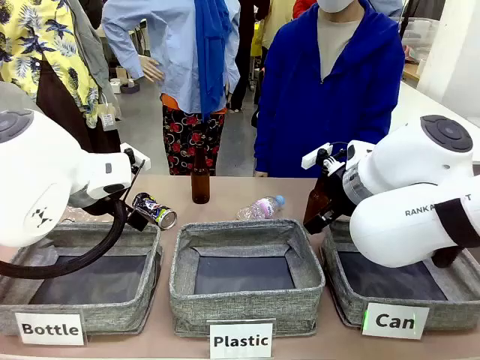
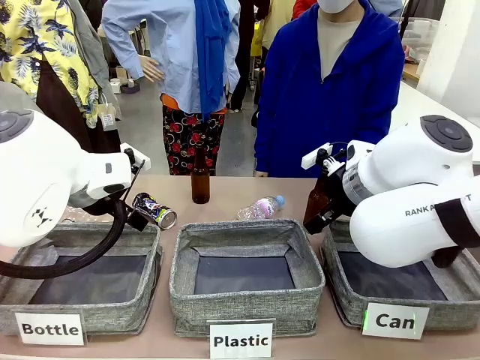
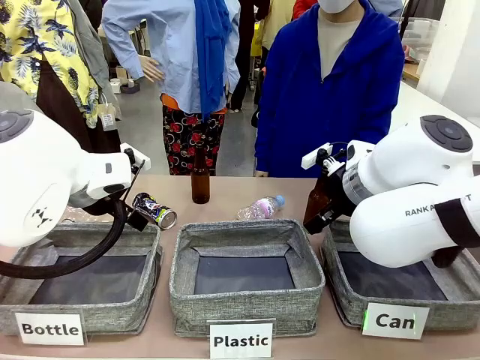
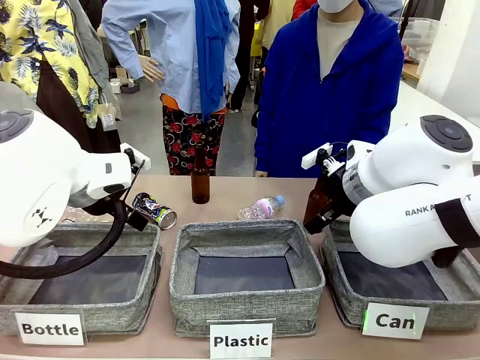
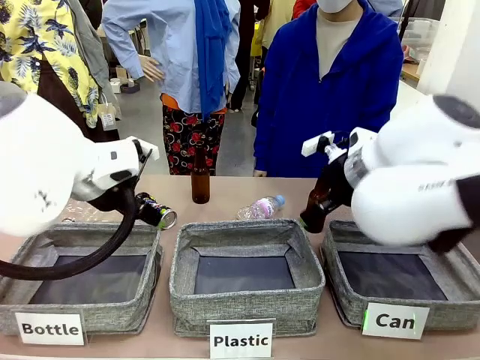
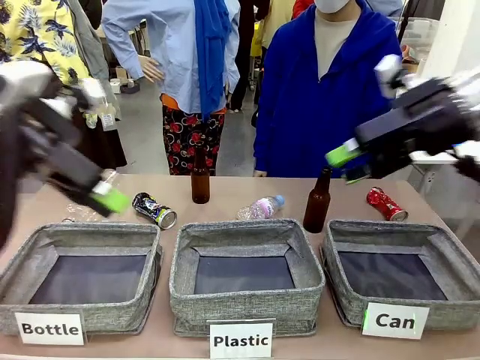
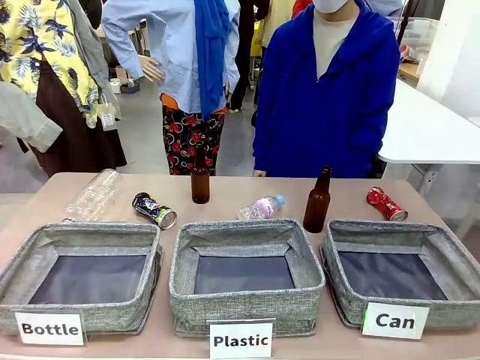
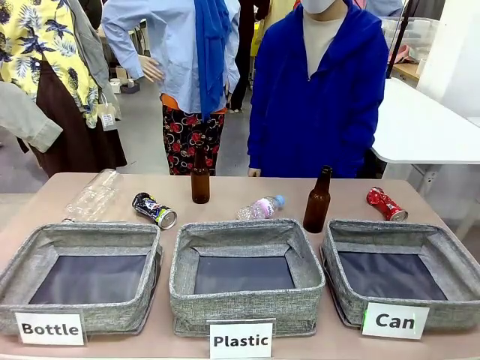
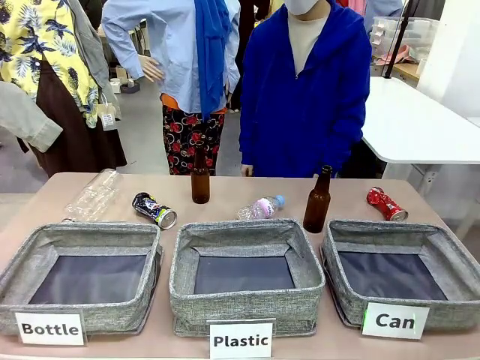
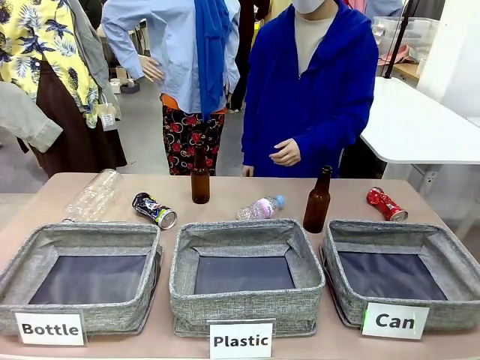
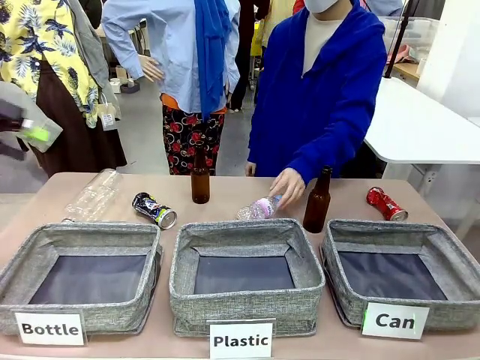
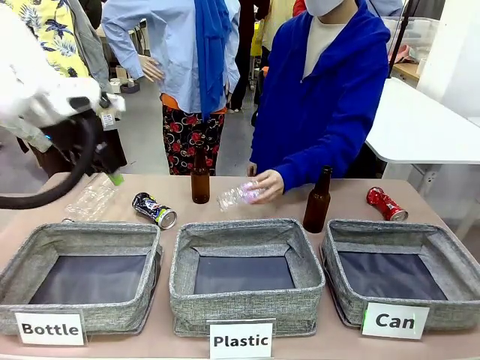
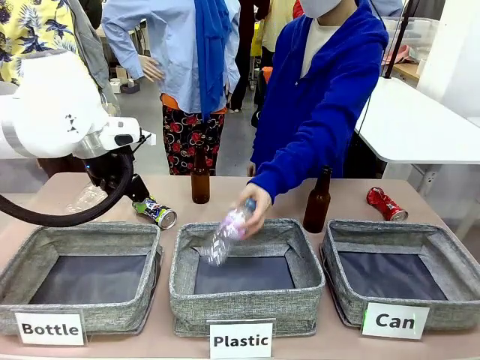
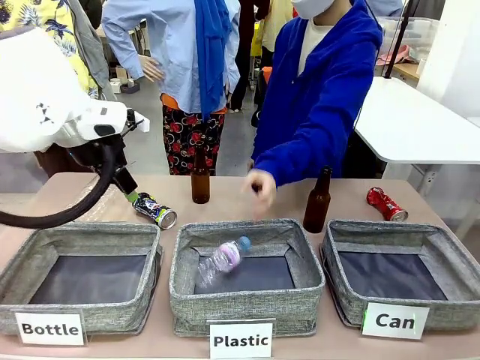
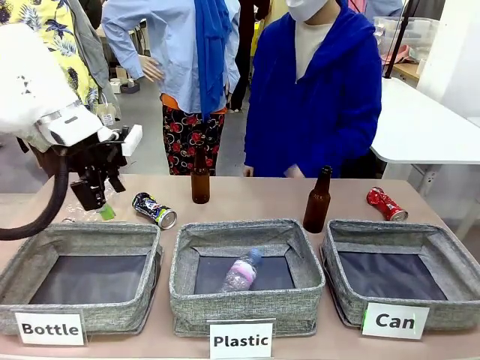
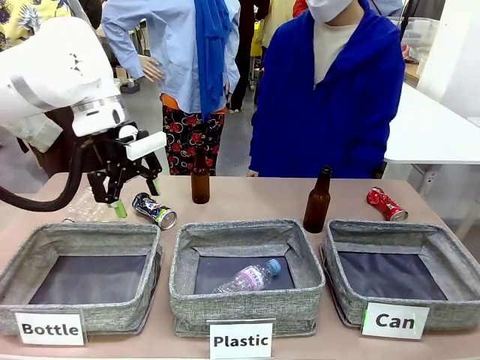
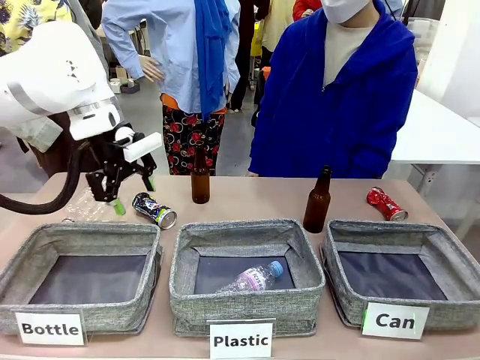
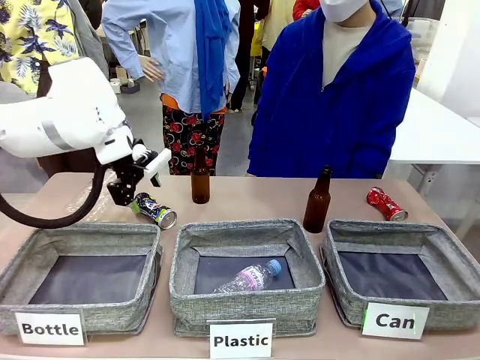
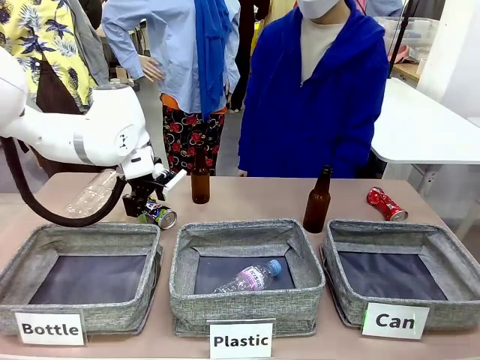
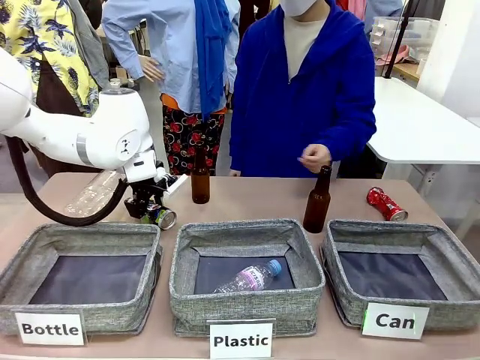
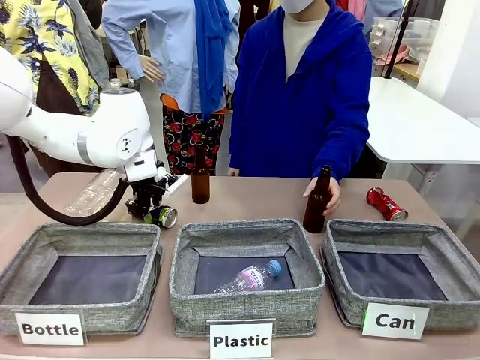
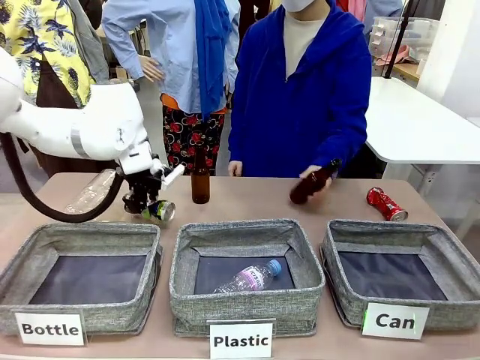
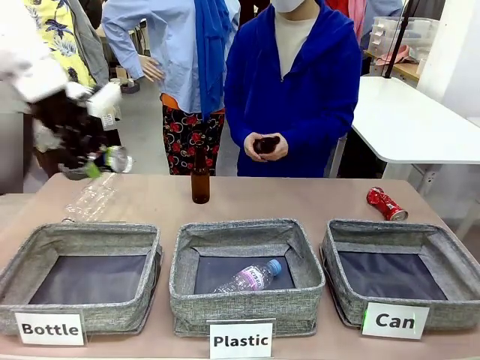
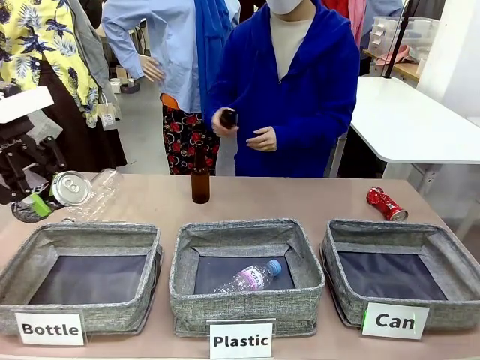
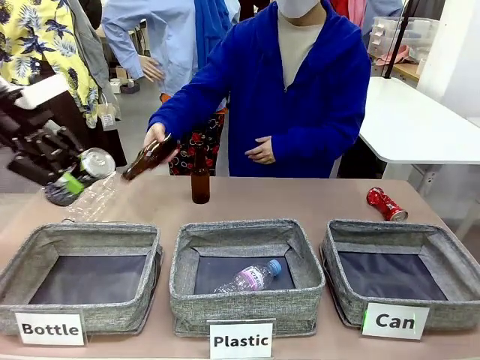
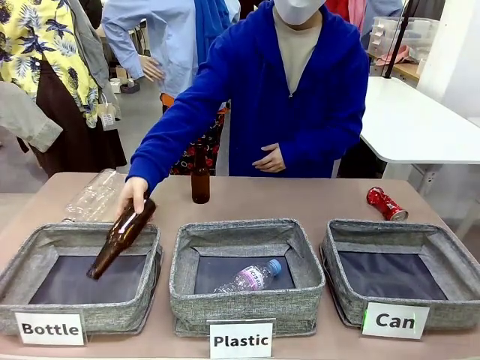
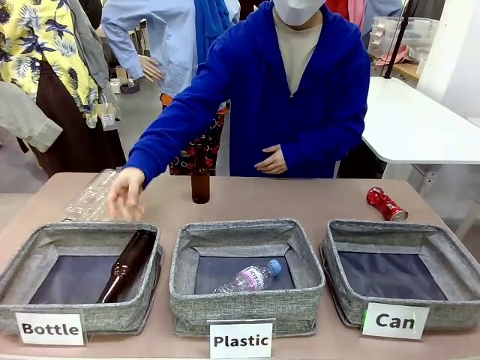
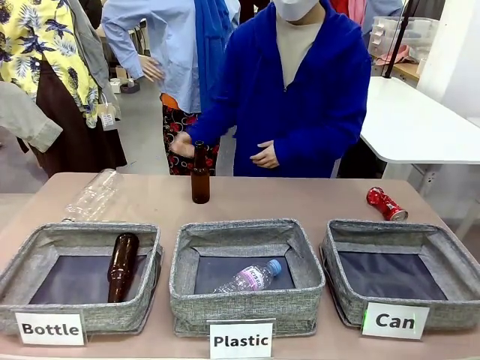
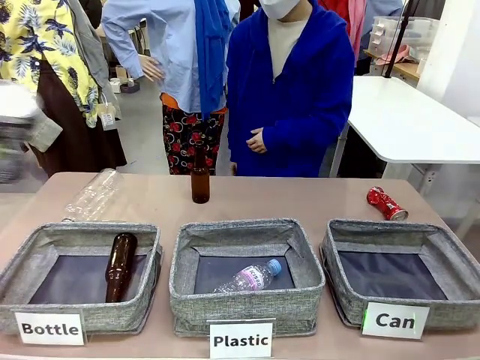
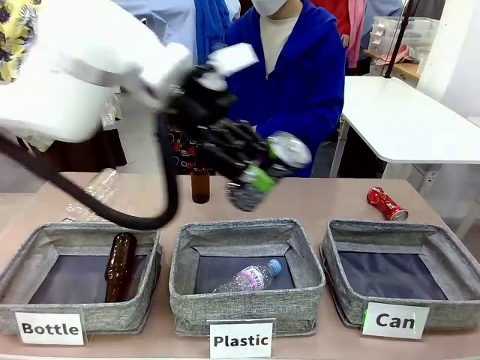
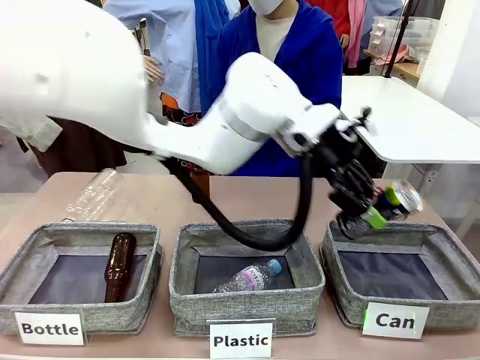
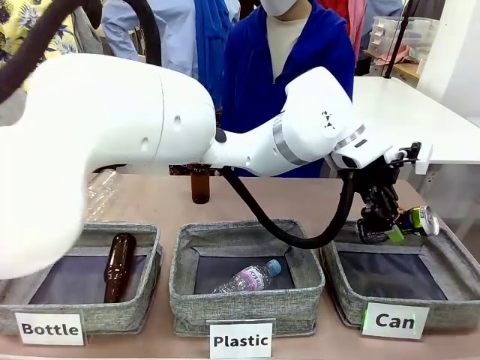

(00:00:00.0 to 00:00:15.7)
Task: Sort the can waste into the basket.
Robot: Pick up the can waste from the table and place it in the right Fabric basket.

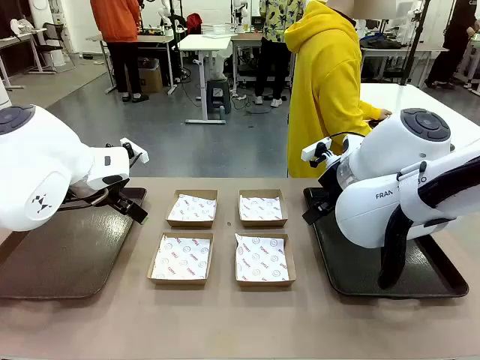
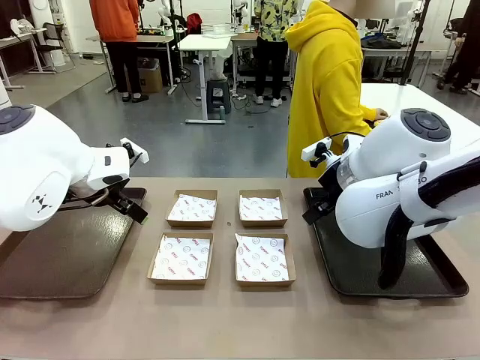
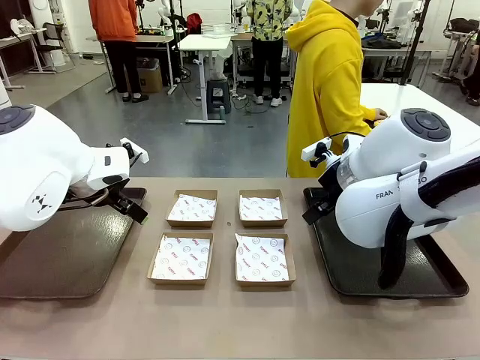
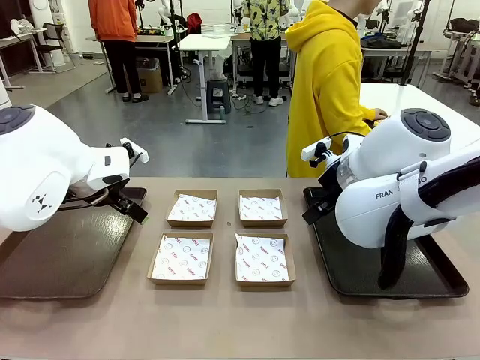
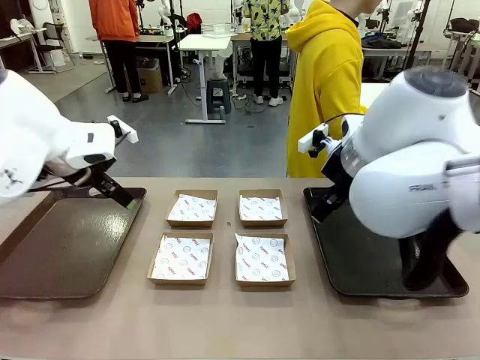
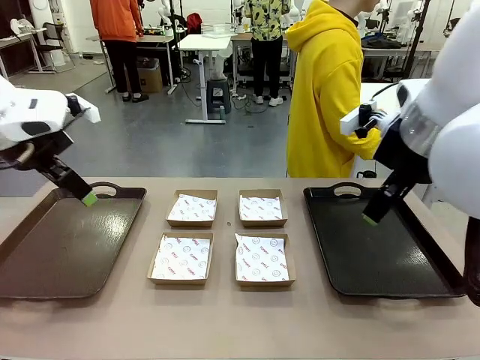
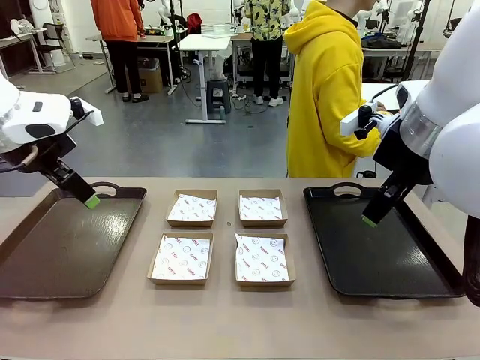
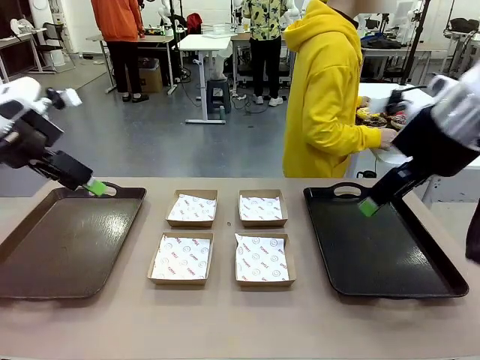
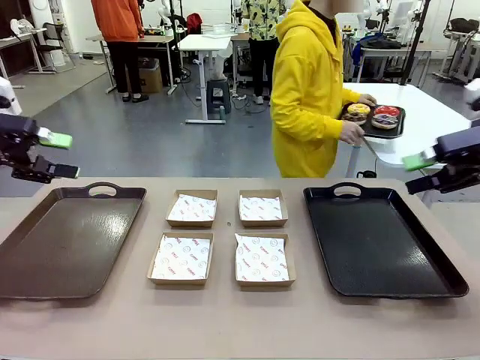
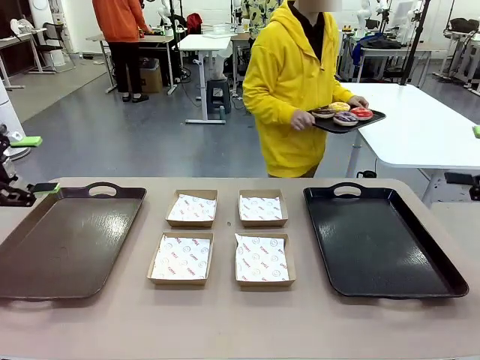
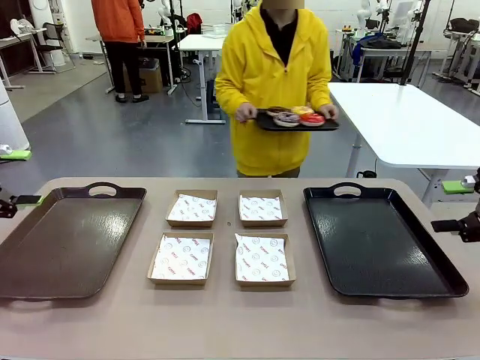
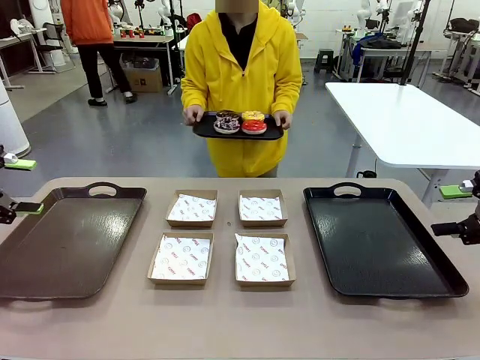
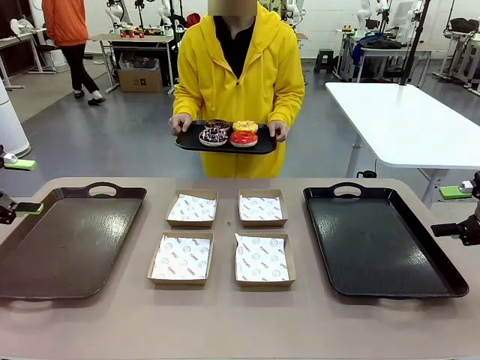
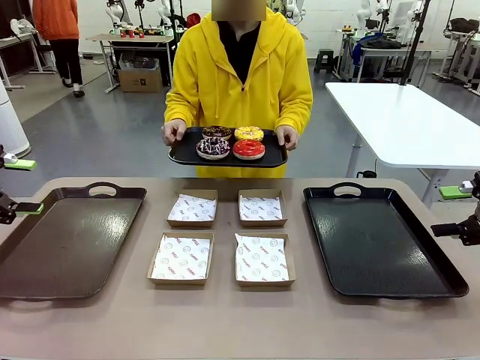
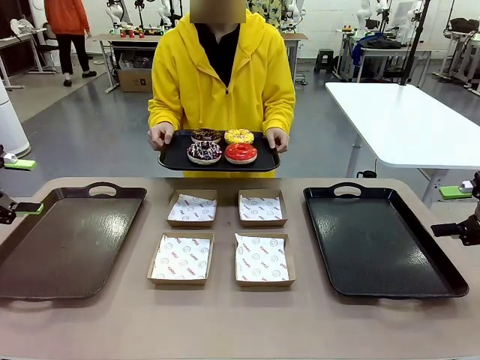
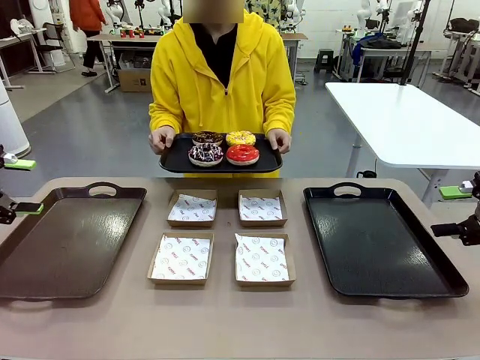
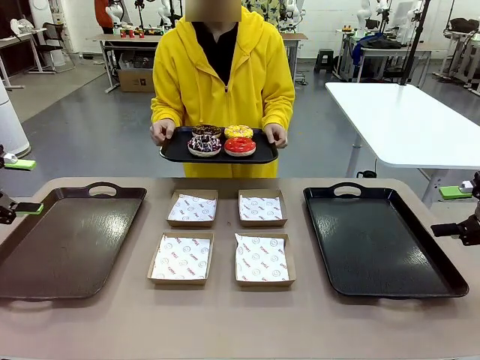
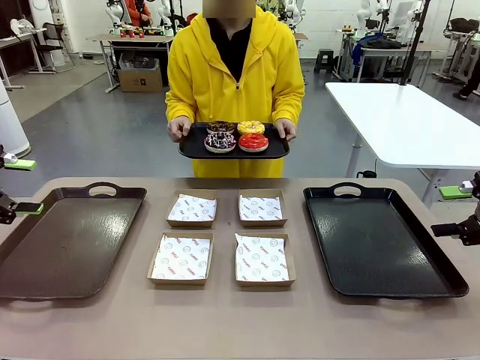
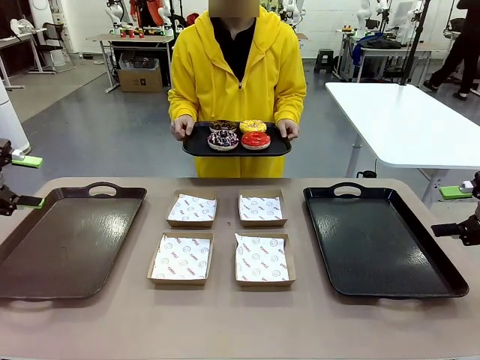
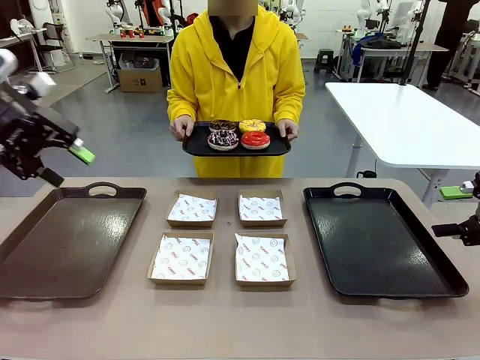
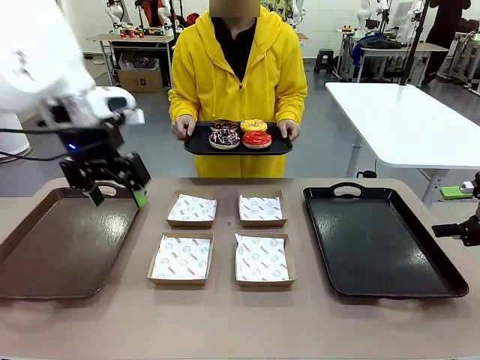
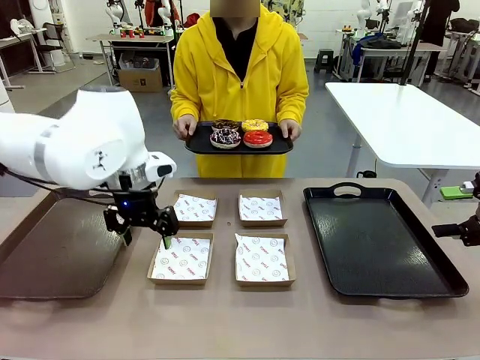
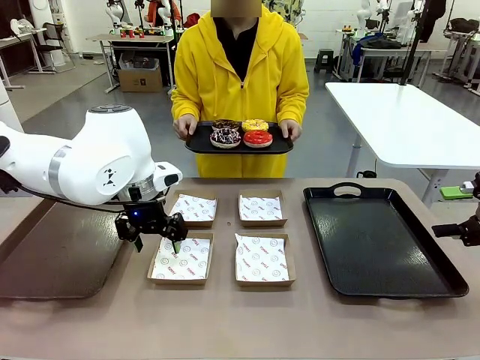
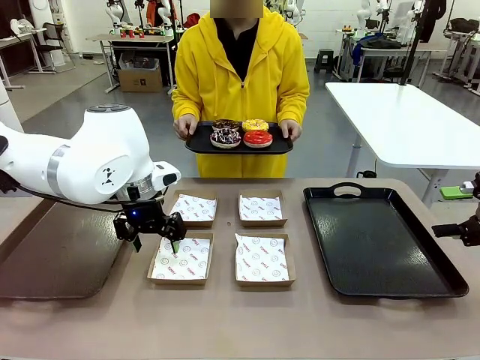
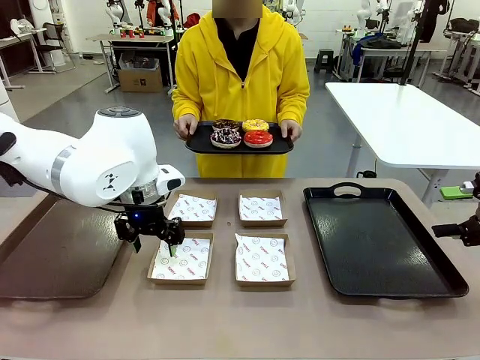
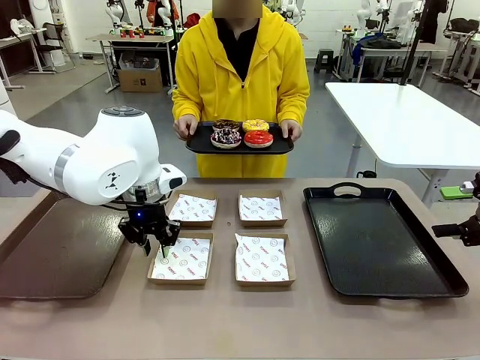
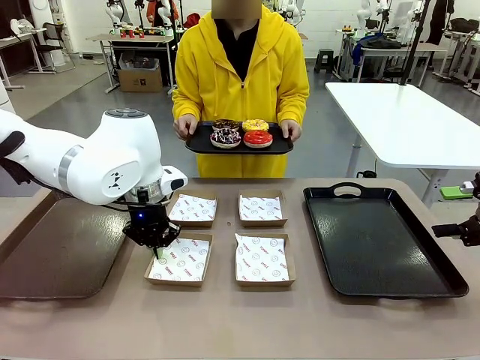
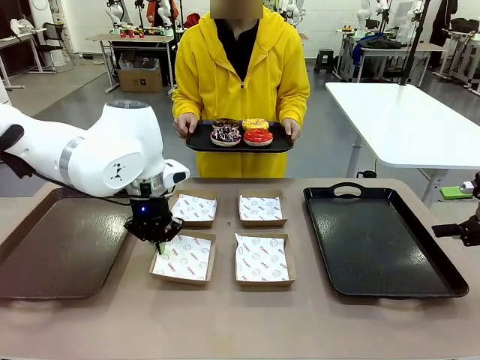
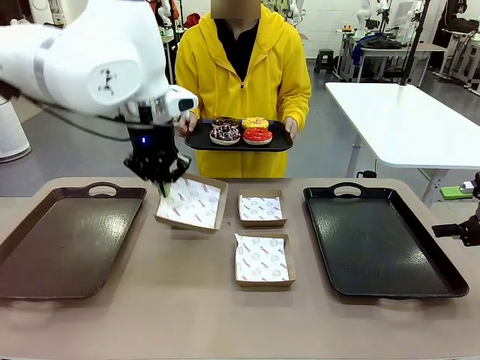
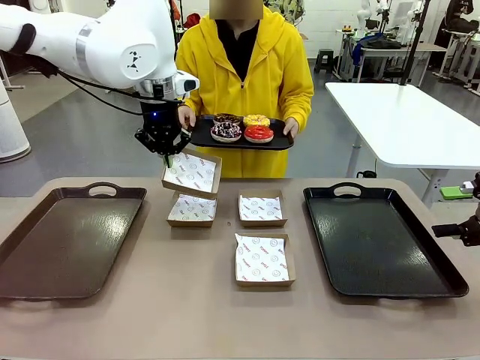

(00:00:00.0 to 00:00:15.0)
Task: Individually package the donuts and arrange them on the tray.
Robot: Pick up one Paper togo box.
Person: Stand in front of the robot table holding the tray containing the donuts.
